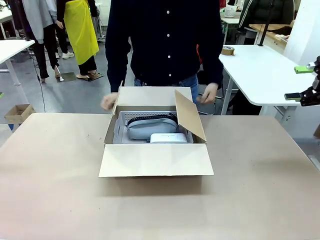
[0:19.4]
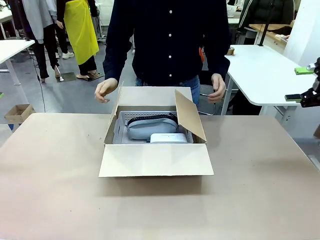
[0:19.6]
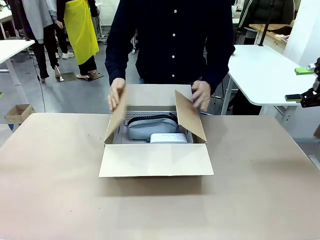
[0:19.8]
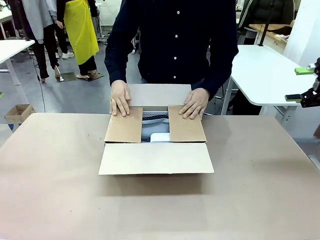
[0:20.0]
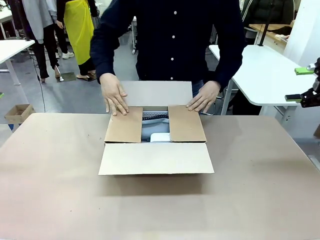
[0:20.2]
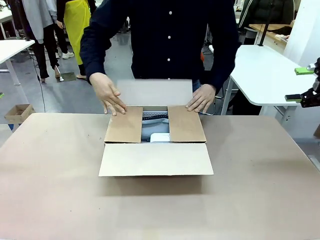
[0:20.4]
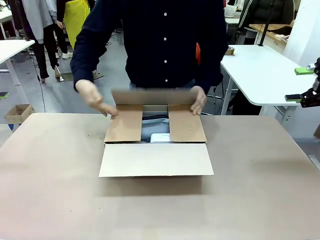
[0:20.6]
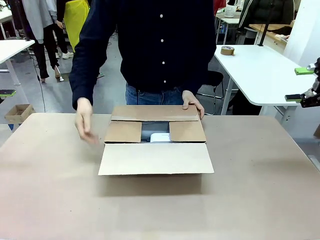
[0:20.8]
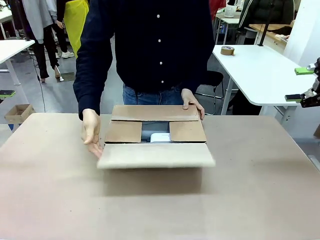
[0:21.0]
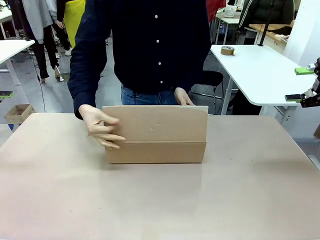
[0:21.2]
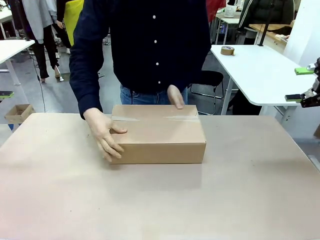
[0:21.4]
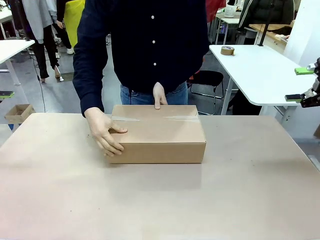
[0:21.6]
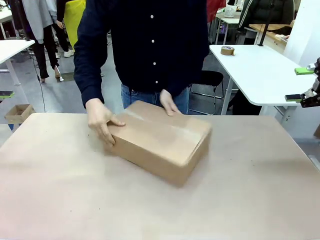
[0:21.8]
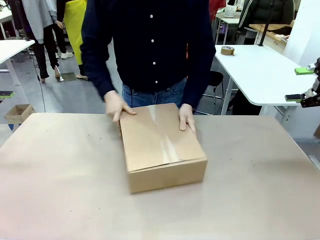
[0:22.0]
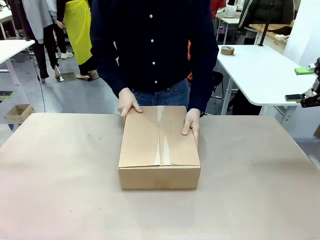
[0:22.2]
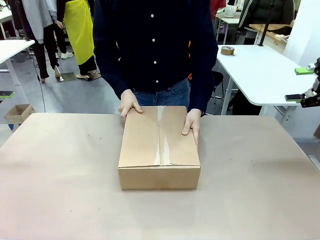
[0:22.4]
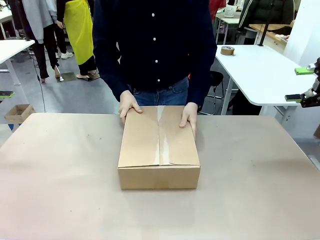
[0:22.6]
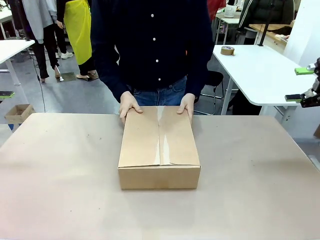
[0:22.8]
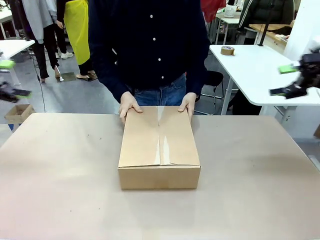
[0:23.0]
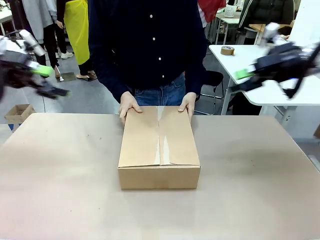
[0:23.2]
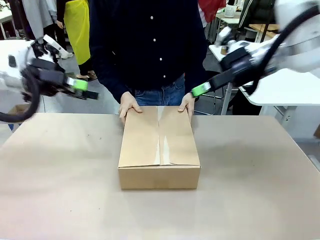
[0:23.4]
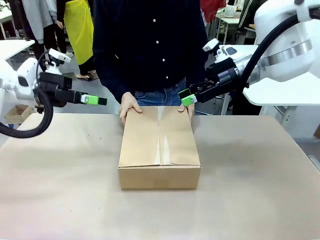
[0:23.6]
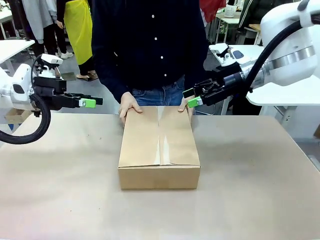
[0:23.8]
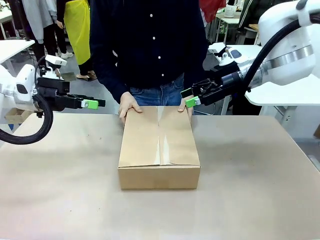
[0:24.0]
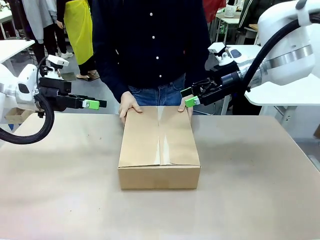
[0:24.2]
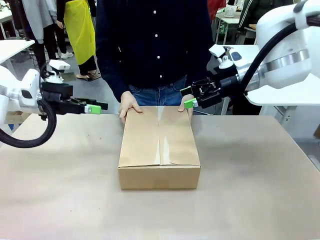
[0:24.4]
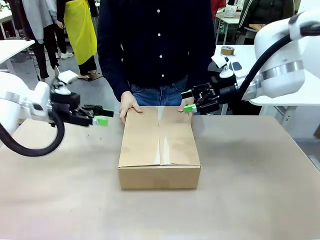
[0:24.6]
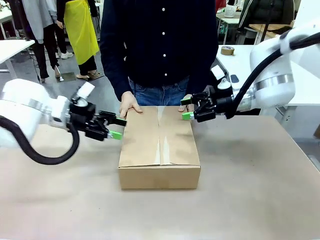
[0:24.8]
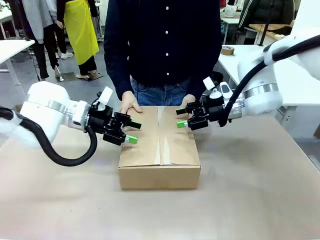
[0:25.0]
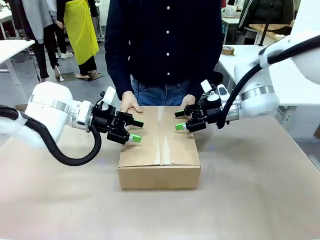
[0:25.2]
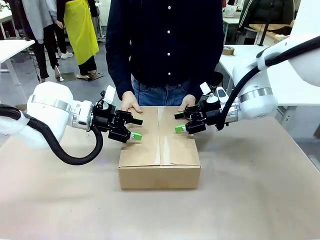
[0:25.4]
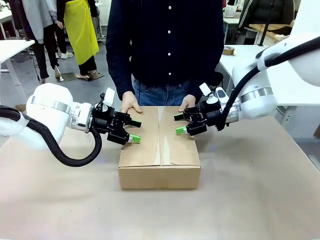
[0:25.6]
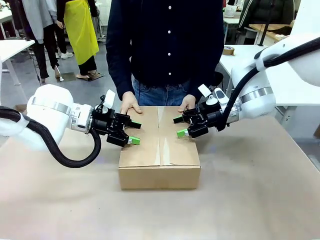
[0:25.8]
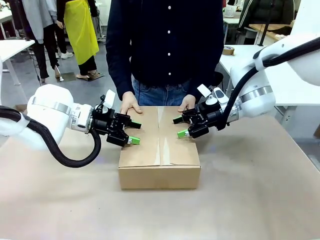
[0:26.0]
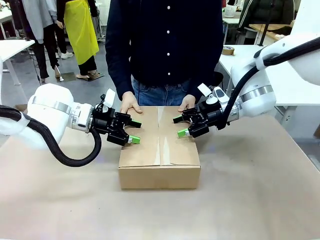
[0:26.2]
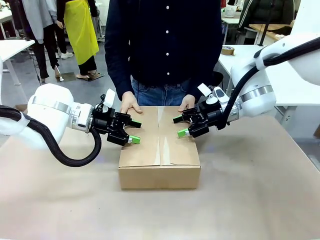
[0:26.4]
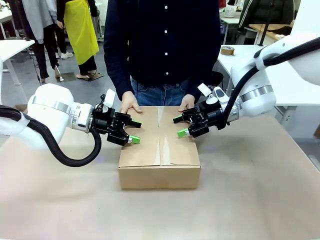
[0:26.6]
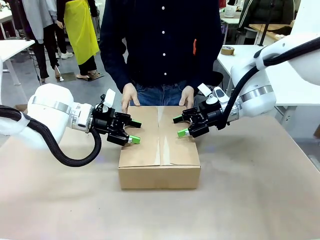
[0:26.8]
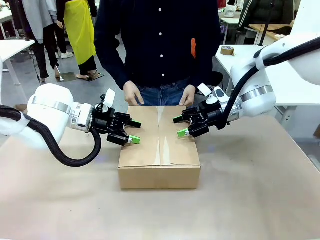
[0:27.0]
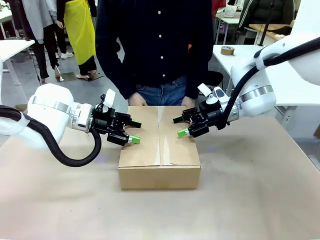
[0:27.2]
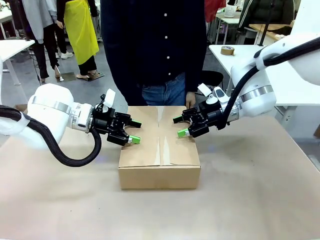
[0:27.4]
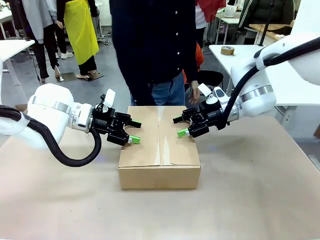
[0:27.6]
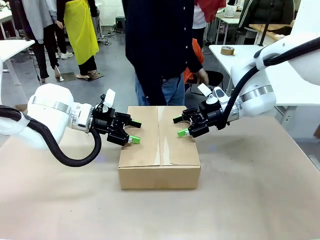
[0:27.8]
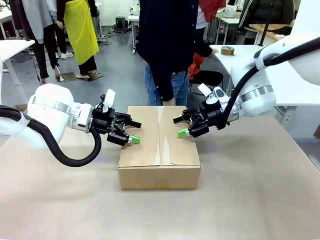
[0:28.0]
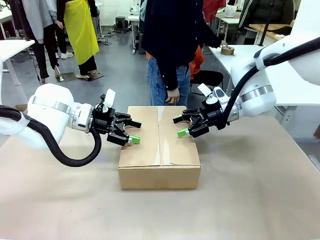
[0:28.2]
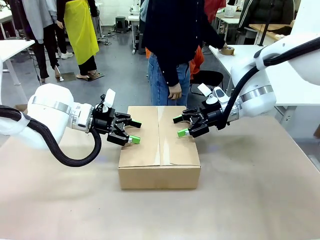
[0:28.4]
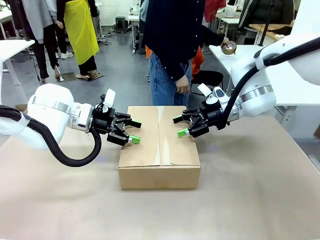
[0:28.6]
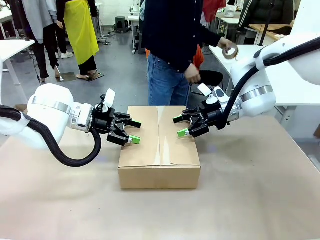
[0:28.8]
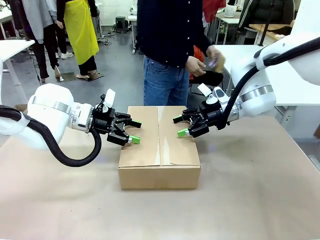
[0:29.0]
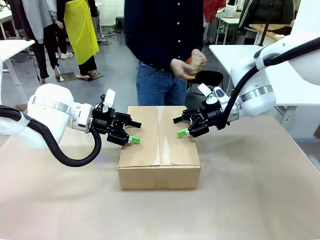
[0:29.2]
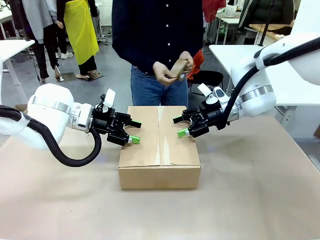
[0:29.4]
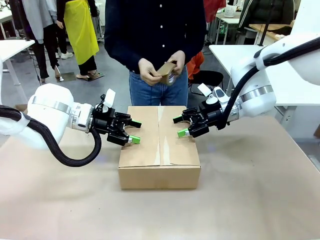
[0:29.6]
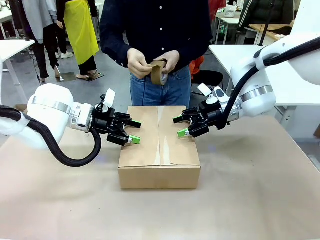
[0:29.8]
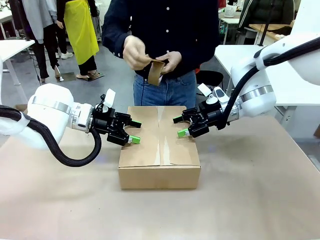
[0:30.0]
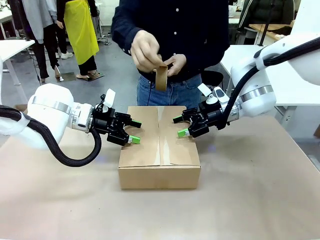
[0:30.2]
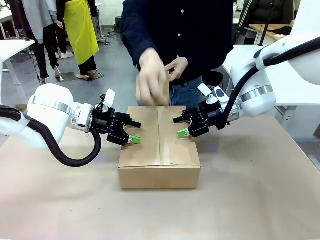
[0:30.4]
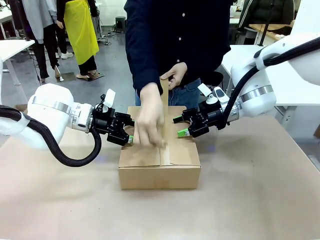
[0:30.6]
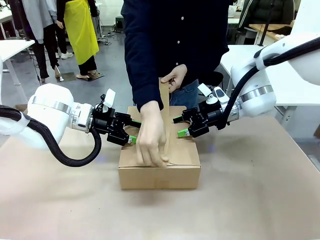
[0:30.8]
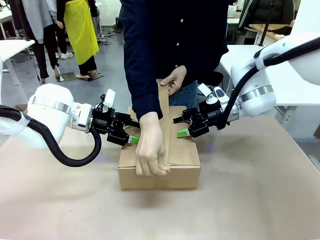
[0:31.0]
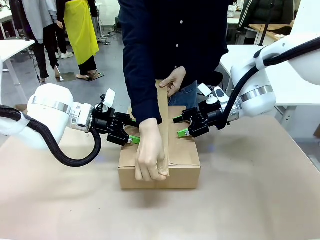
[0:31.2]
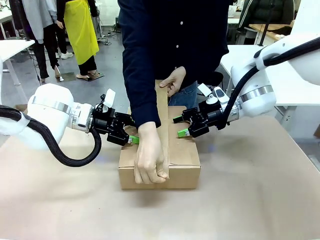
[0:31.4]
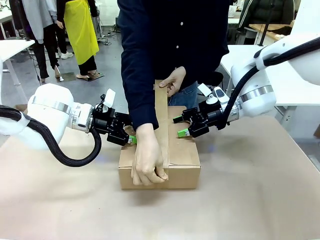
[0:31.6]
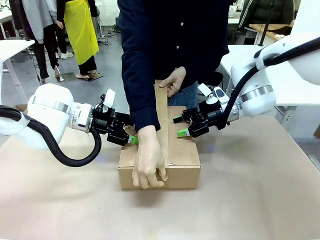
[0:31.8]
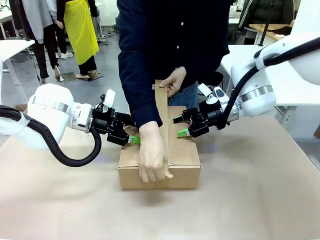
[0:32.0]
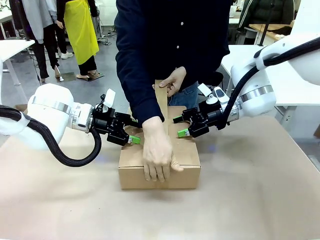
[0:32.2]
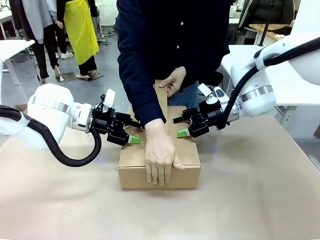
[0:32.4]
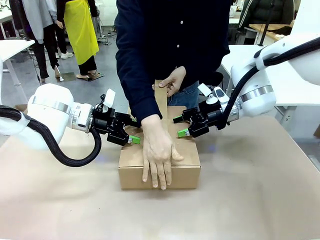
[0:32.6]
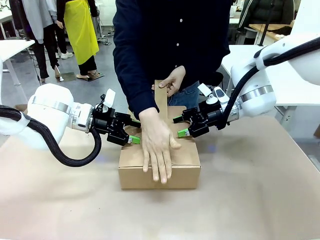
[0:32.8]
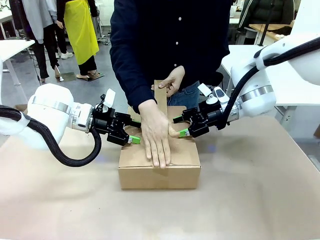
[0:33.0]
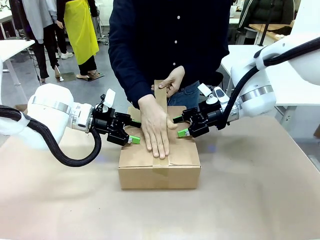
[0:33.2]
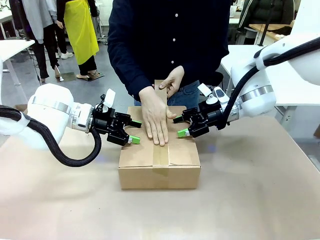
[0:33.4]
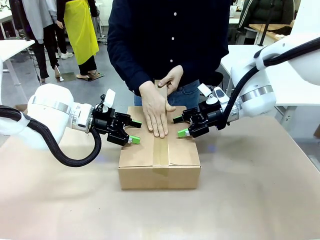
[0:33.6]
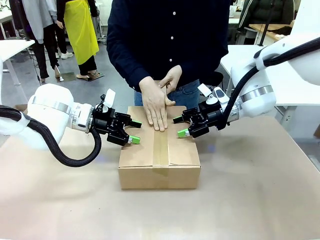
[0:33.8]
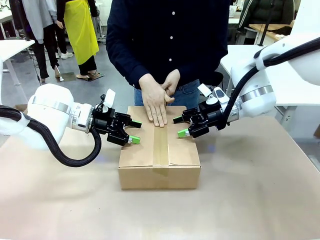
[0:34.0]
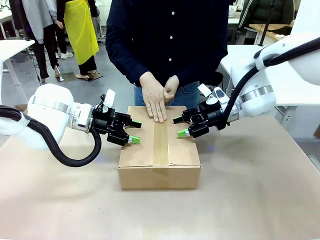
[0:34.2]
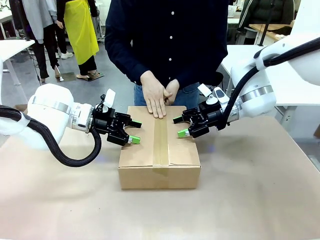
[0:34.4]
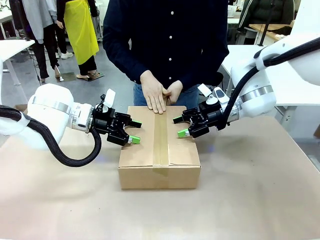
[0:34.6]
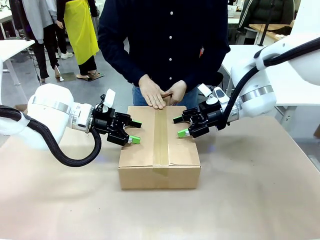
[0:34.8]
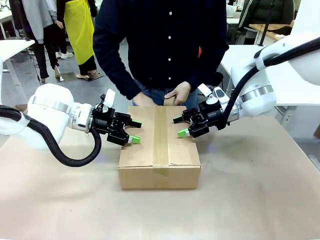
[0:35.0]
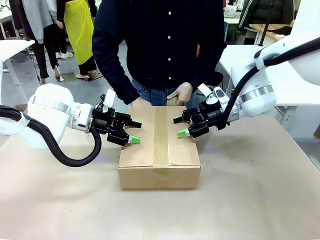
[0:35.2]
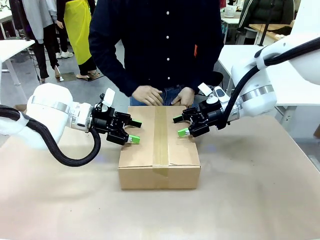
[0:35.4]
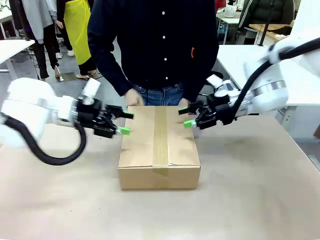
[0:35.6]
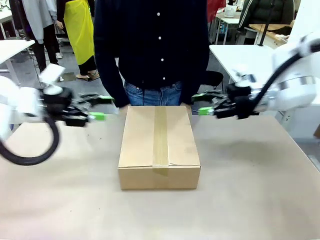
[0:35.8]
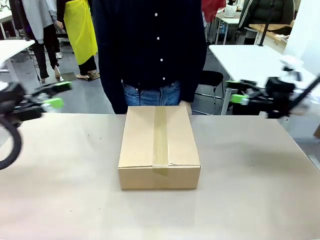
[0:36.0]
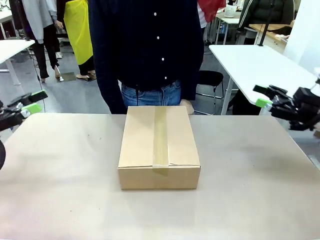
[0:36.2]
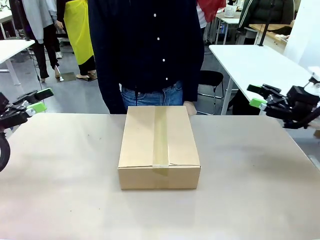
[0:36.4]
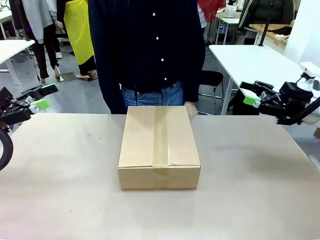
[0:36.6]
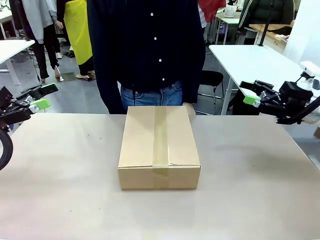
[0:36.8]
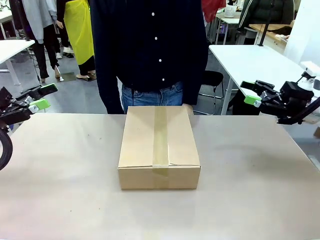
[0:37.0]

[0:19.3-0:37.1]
Task: Pack the gift set into the box.
Robot: Press and hold the closed box until the human finishes sealing it.
Person: The human closes the box and rotates the box by 90 degrees. The human picks up the paper tape from the human table and packs the box.
